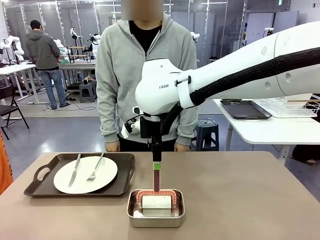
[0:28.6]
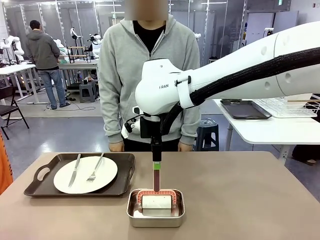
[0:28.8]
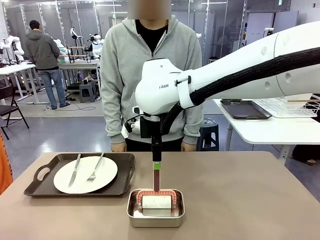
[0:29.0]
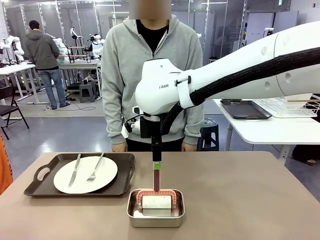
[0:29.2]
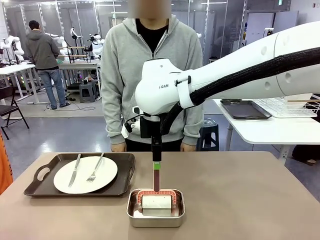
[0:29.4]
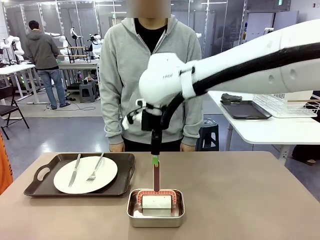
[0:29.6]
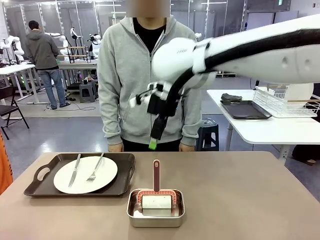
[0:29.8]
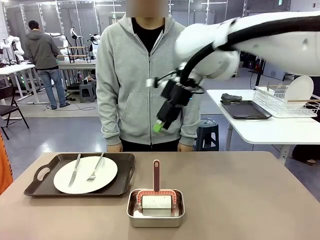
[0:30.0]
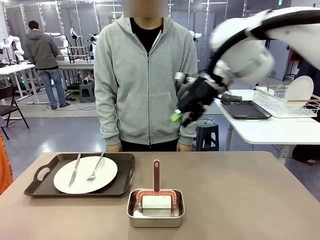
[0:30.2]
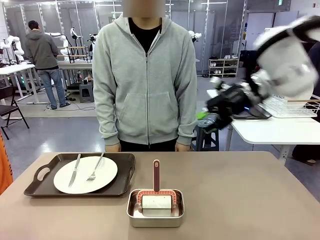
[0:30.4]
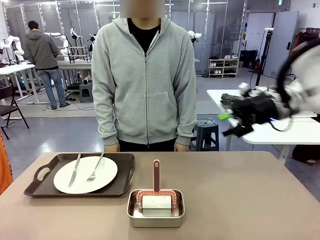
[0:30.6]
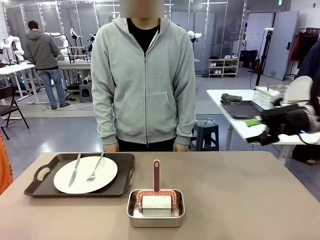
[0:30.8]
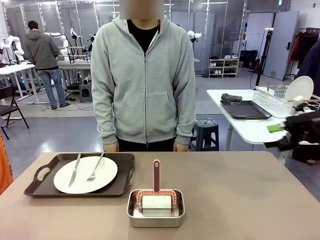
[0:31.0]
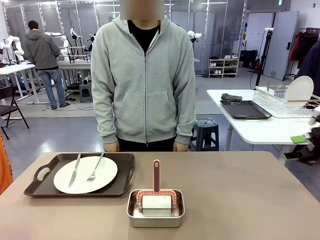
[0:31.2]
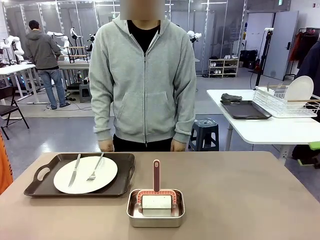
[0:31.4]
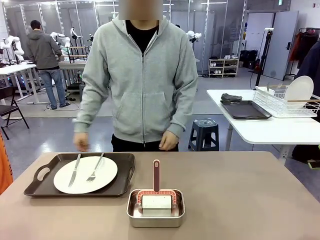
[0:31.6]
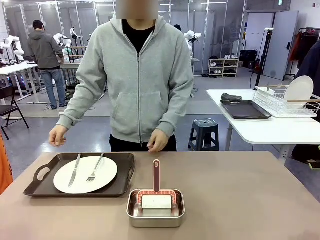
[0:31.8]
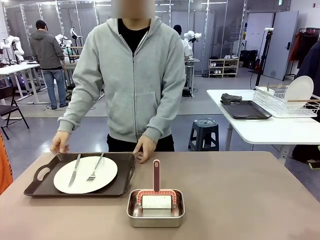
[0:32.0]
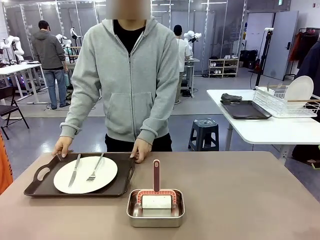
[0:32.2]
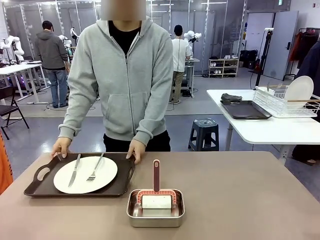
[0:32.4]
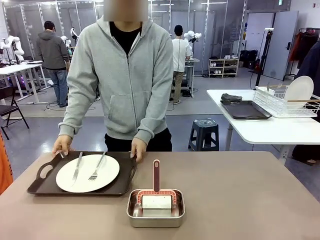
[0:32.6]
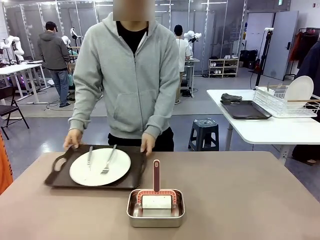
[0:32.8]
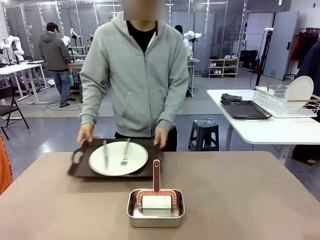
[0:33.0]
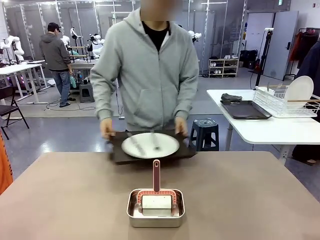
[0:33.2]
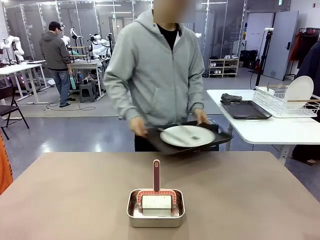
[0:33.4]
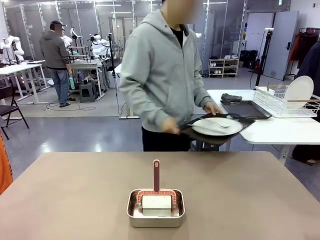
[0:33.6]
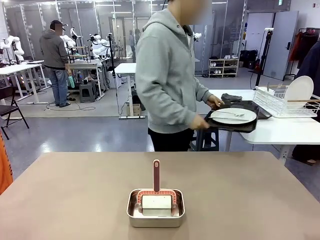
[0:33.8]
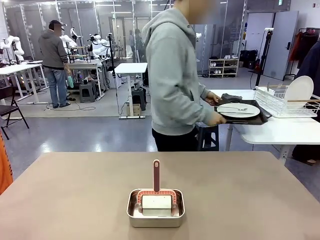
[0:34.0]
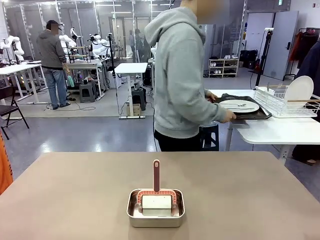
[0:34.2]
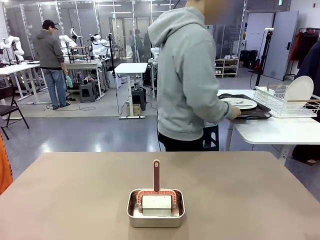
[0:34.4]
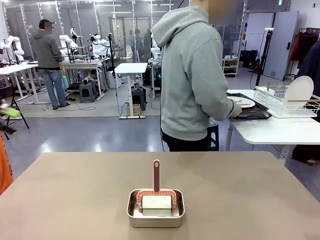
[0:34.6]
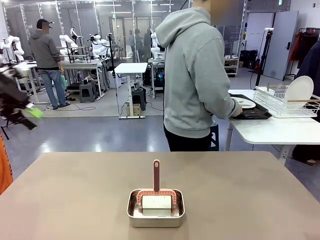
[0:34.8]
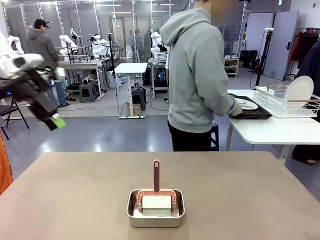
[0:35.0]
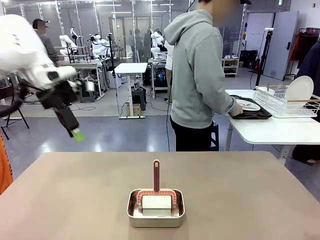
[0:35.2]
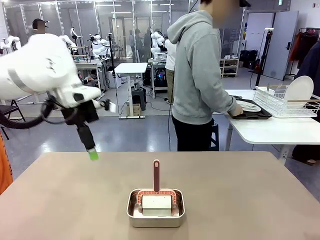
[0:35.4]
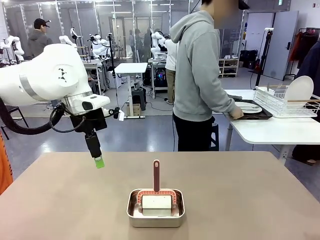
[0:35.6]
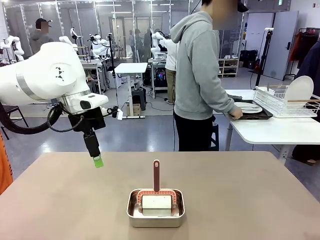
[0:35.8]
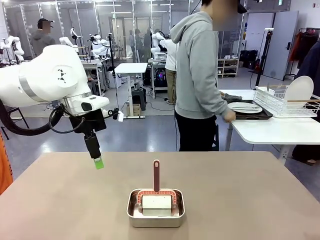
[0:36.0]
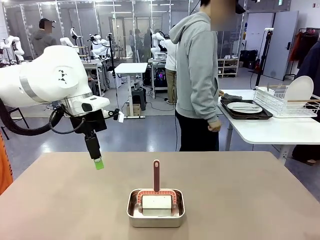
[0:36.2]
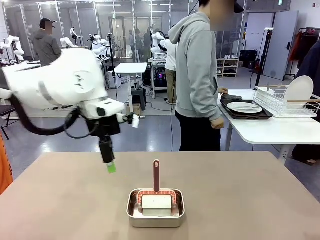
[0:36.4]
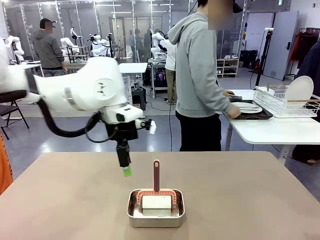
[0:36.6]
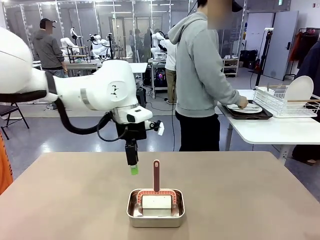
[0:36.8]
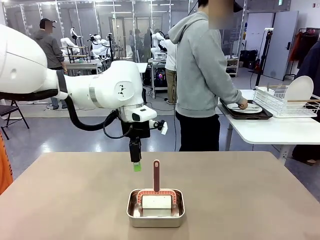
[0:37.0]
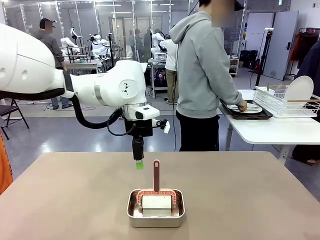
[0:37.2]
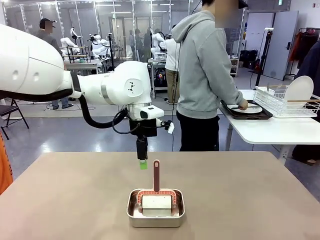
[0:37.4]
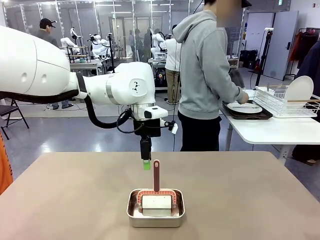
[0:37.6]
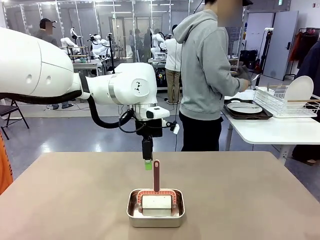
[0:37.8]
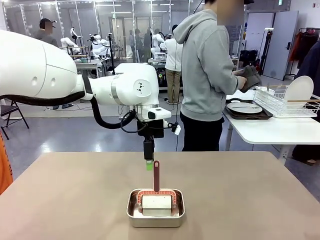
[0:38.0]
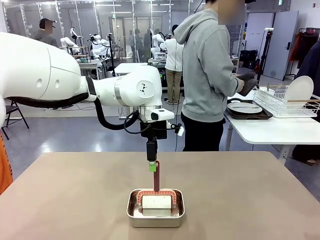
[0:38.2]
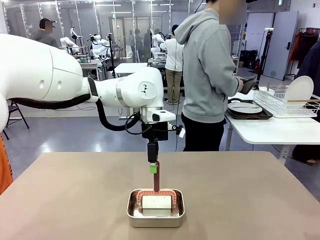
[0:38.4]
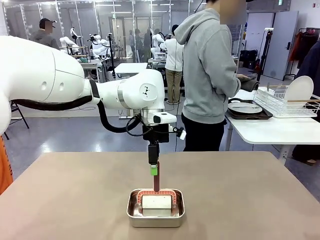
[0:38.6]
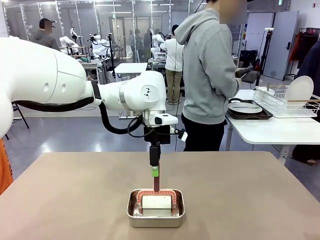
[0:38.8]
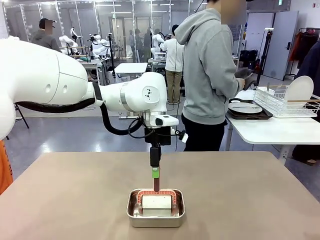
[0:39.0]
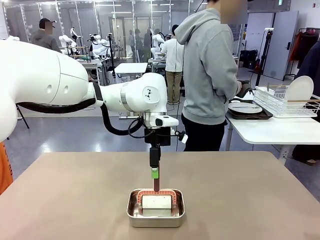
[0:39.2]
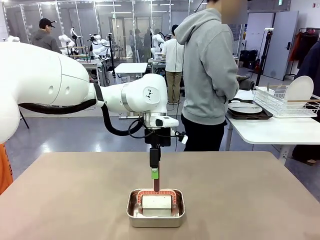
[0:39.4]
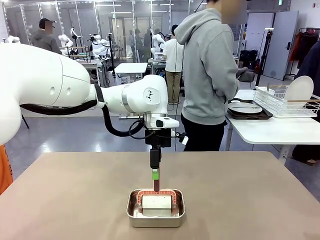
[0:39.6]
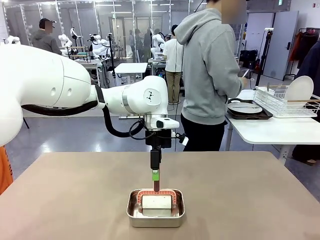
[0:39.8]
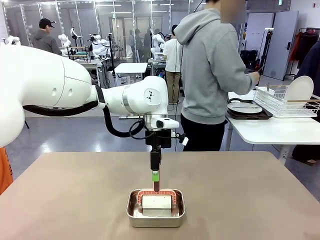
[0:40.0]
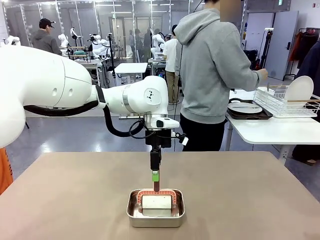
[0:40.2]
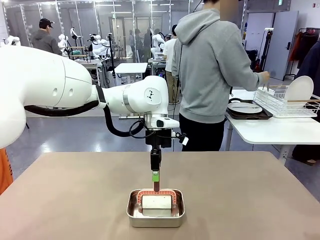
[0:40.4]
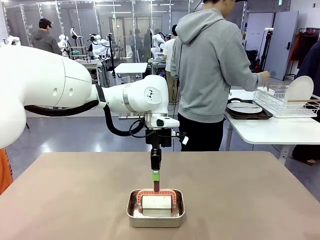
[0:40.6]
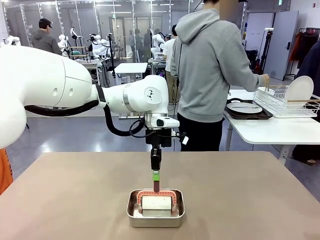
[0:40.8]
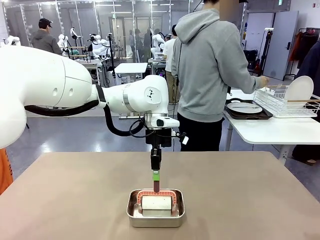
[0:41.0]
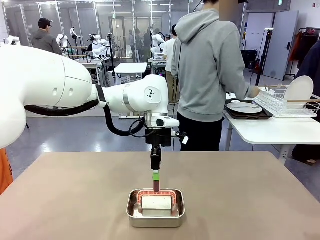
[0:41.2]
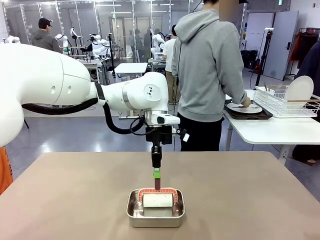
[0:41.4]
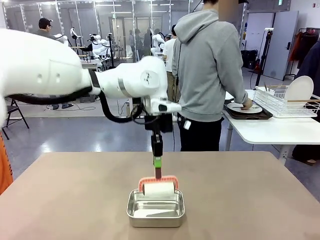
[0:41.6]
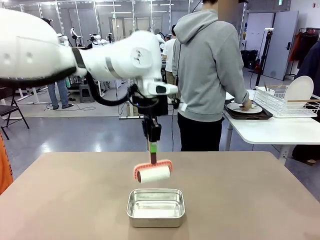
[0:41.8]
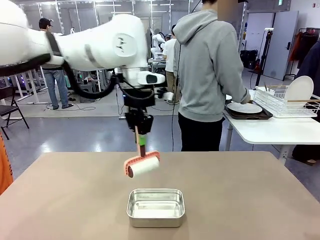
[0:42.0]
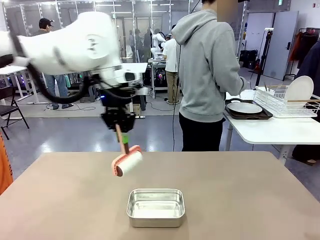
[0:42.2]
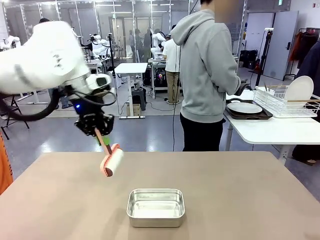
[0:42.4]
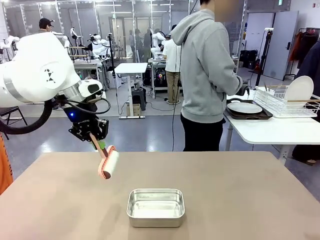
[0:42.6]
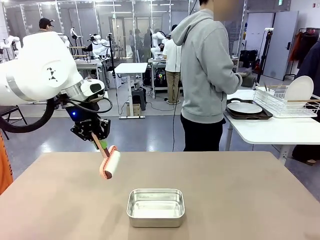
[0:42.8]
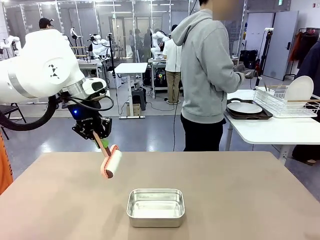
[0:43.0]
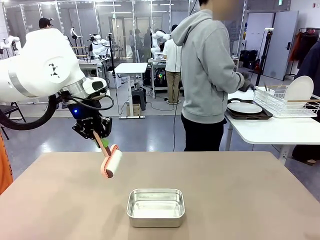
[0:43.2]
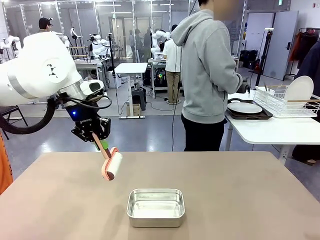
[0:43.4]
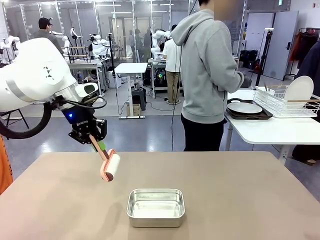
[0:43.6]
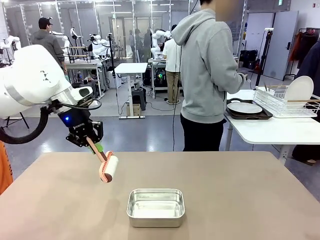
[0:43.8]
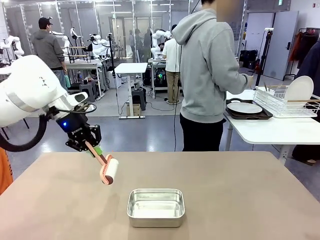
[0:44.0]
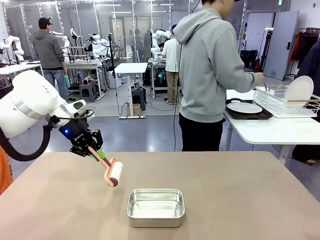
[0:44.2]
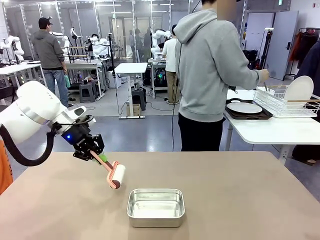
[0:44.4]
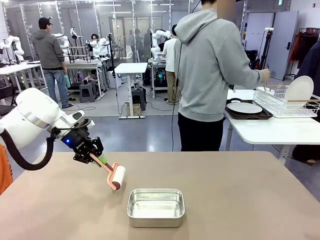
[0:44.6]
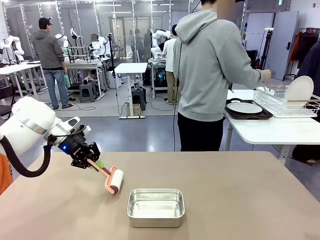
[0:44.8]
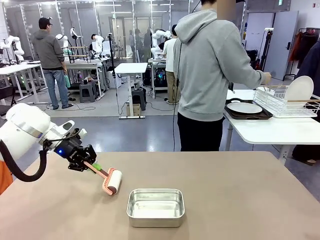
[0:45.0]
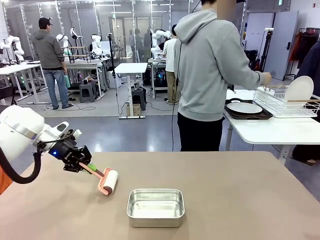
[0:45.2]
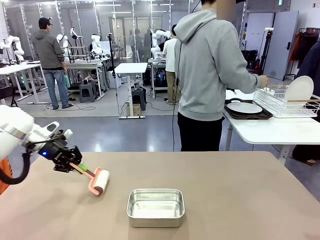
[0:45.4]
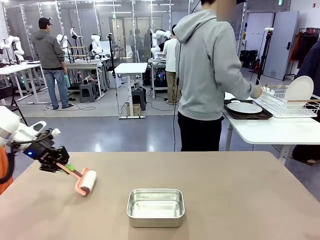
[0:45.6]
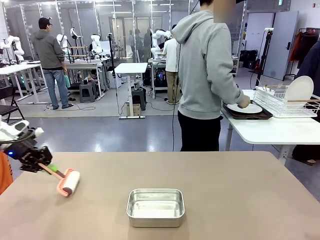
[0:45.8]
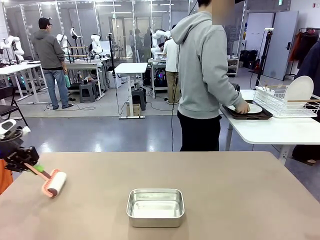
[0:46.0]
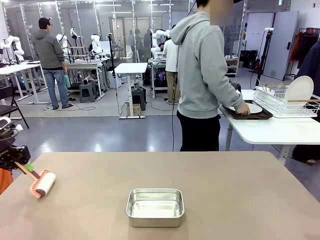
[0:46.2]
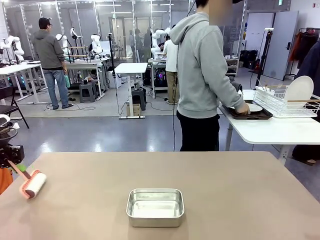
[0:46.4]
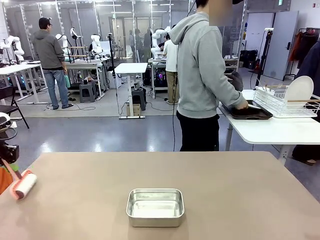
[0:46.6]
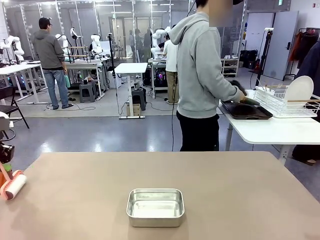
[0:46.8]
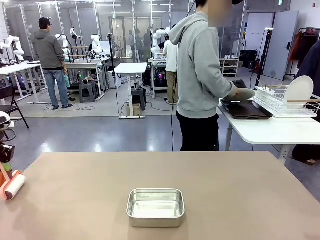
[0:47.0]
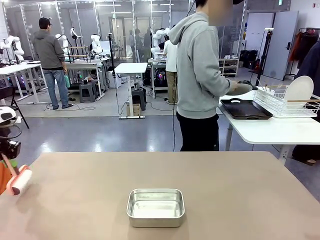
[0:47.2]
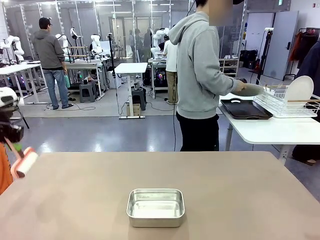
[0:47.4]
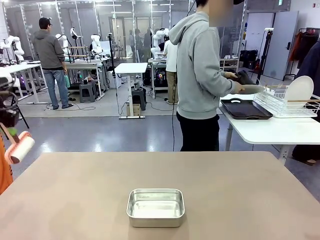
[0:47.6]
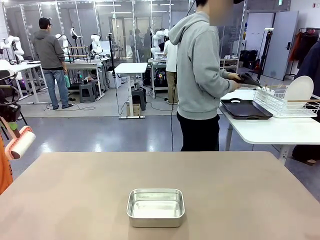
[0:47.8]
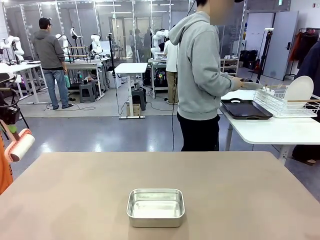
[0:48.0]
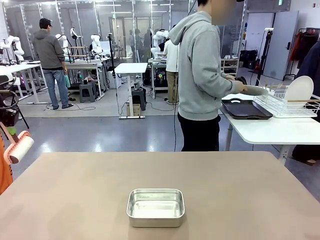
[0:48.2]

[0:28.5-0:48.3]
Robot: When the right (or left) Handle tray is removed, use the right hand (or left hand) to clean the right (or left) side of the table with the Lint Roller.
Person: Pick up the left (or right) Handle tray and place it on the Handle tray. Use the Towel with hook to wipe the Plastic Matte Plate , Fork , and Knife and place into the Dish drying rack.
